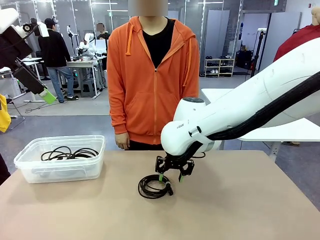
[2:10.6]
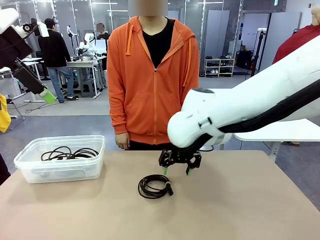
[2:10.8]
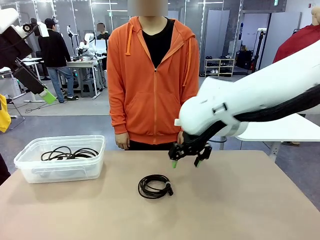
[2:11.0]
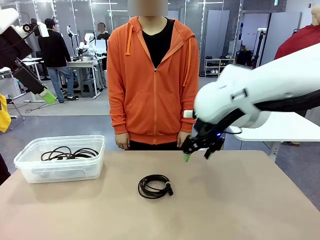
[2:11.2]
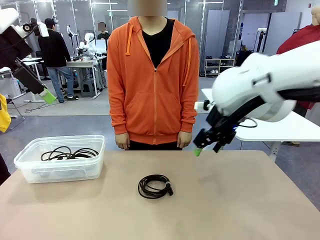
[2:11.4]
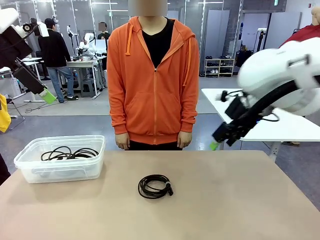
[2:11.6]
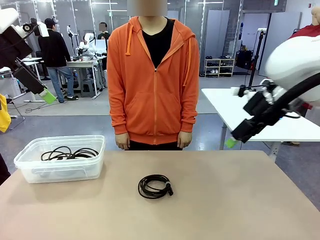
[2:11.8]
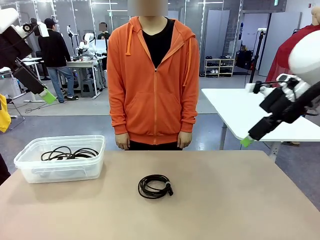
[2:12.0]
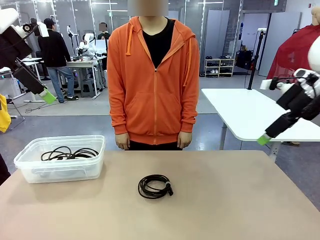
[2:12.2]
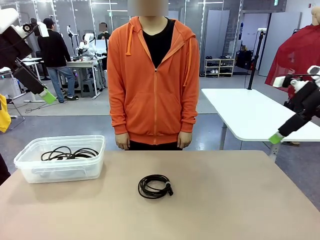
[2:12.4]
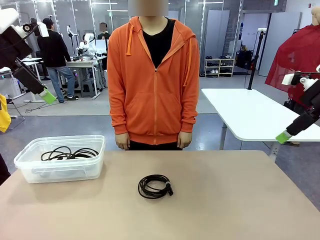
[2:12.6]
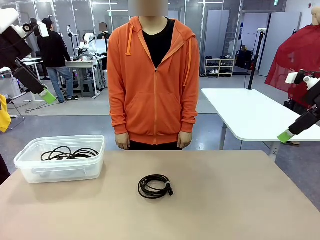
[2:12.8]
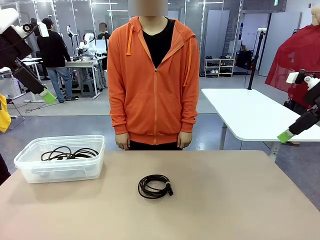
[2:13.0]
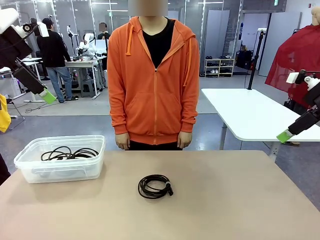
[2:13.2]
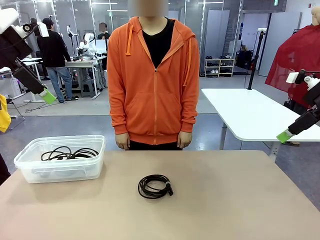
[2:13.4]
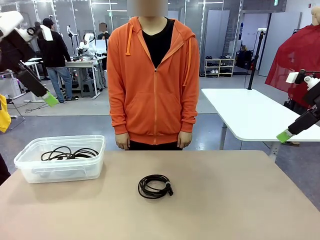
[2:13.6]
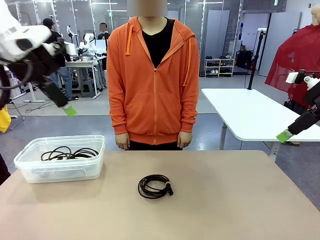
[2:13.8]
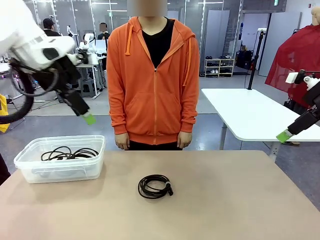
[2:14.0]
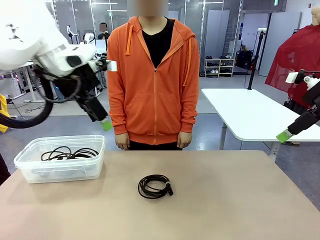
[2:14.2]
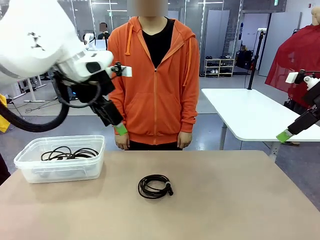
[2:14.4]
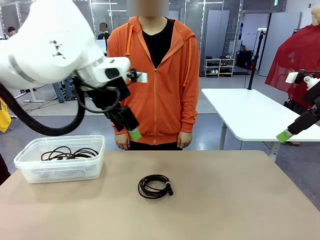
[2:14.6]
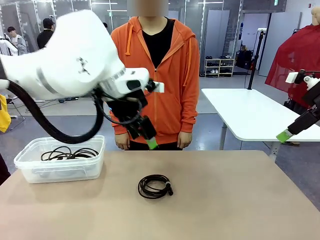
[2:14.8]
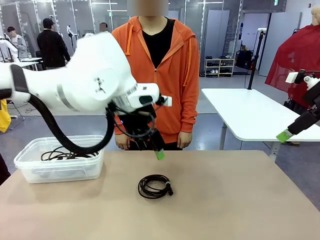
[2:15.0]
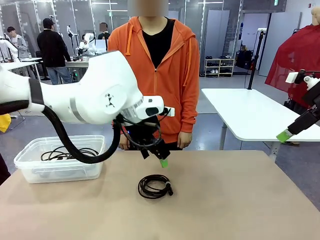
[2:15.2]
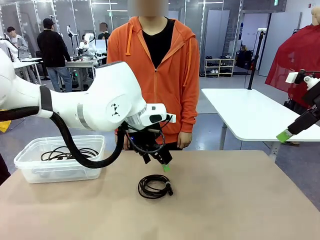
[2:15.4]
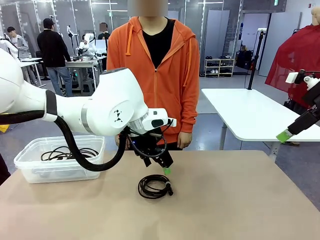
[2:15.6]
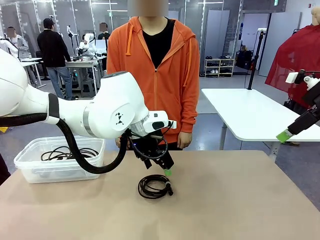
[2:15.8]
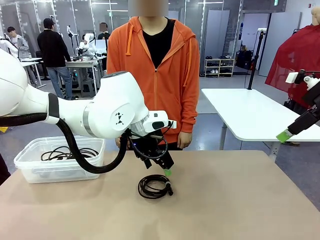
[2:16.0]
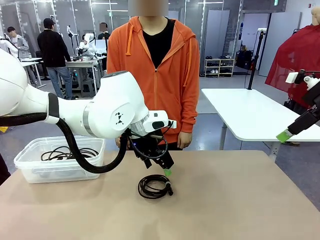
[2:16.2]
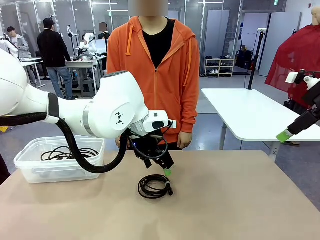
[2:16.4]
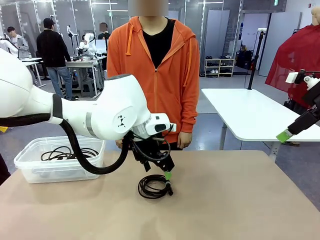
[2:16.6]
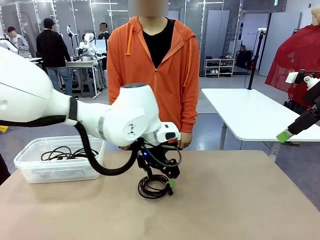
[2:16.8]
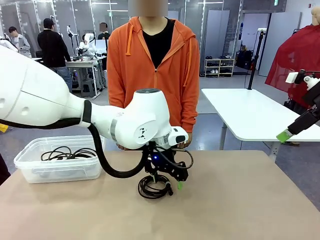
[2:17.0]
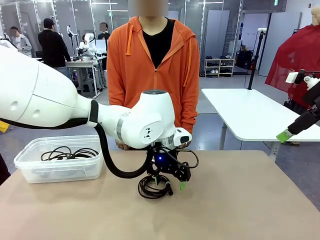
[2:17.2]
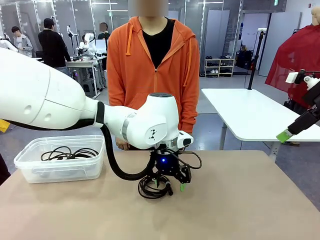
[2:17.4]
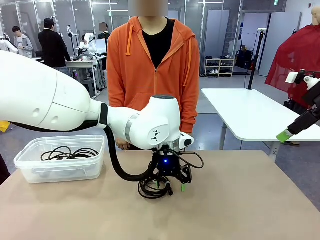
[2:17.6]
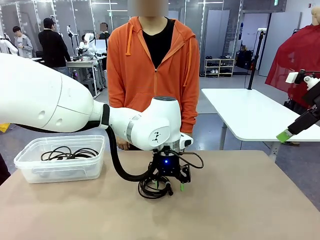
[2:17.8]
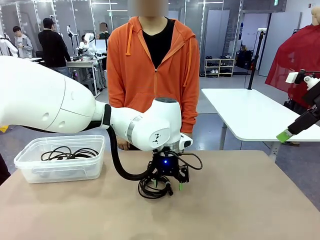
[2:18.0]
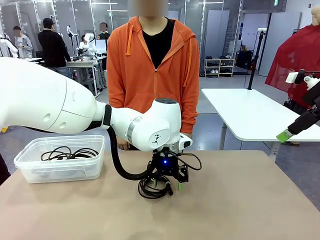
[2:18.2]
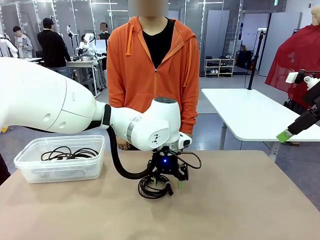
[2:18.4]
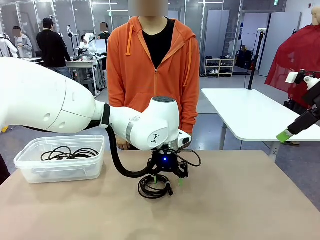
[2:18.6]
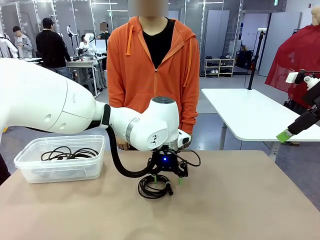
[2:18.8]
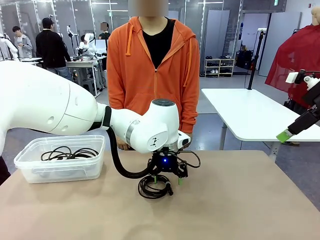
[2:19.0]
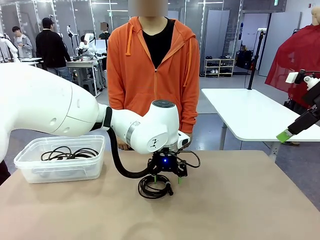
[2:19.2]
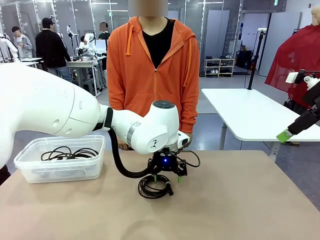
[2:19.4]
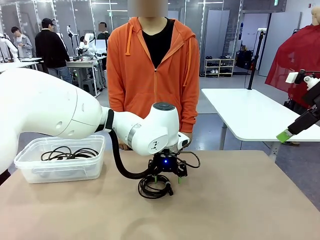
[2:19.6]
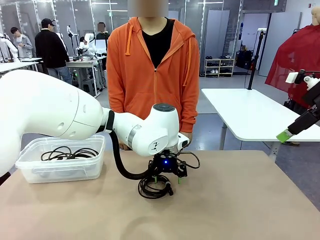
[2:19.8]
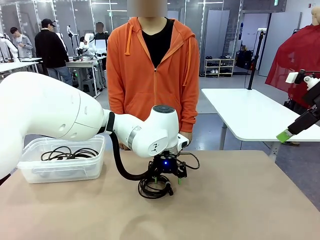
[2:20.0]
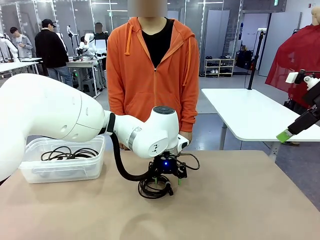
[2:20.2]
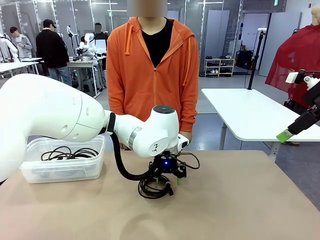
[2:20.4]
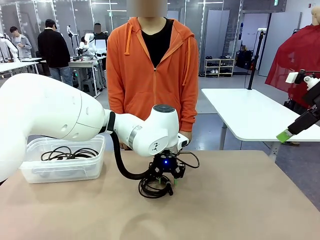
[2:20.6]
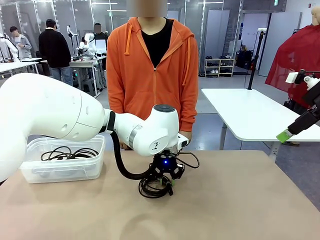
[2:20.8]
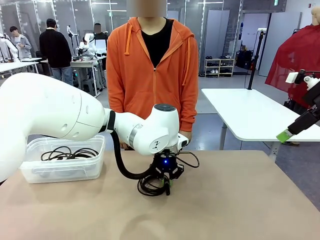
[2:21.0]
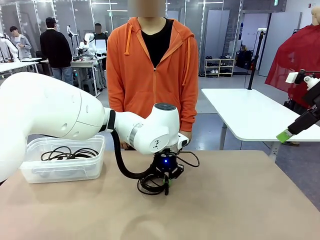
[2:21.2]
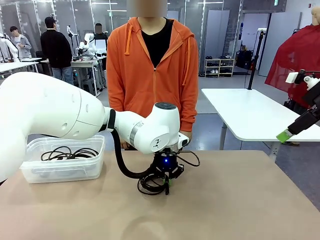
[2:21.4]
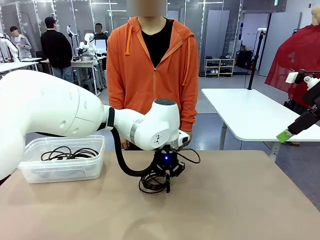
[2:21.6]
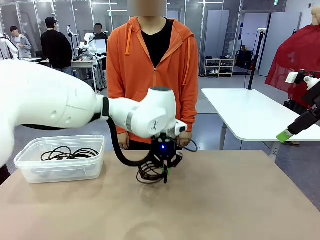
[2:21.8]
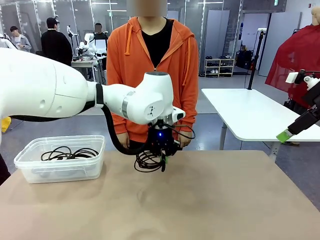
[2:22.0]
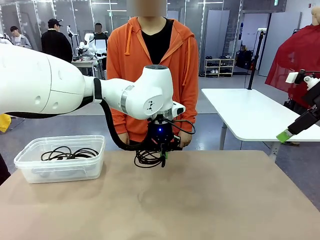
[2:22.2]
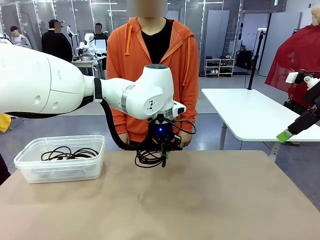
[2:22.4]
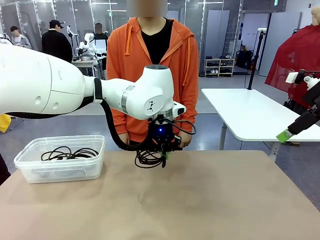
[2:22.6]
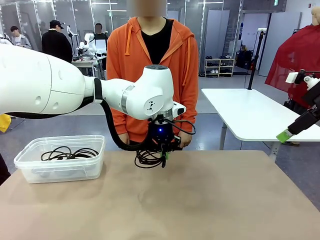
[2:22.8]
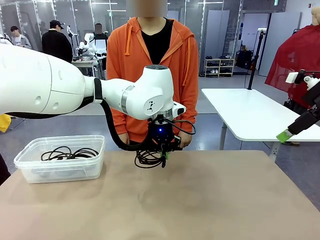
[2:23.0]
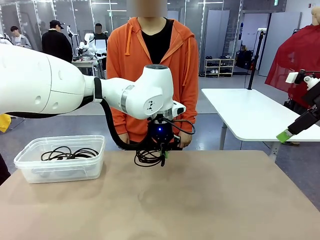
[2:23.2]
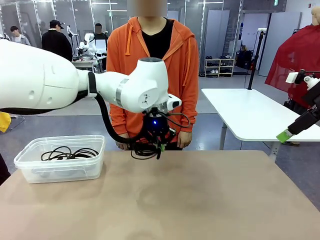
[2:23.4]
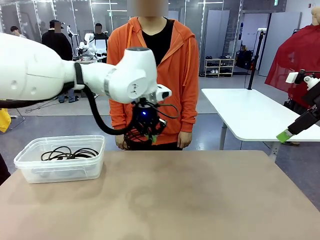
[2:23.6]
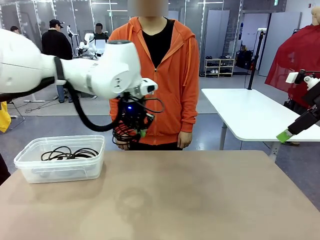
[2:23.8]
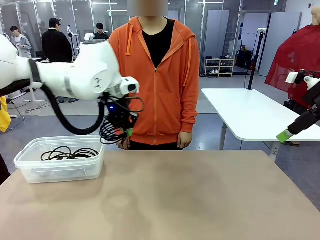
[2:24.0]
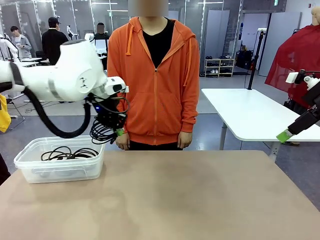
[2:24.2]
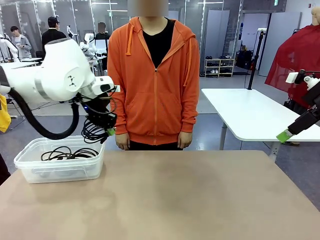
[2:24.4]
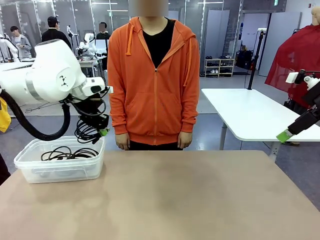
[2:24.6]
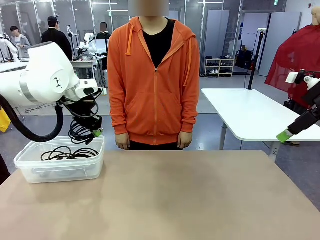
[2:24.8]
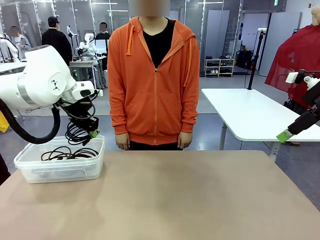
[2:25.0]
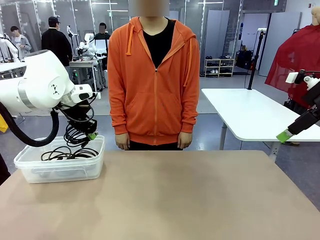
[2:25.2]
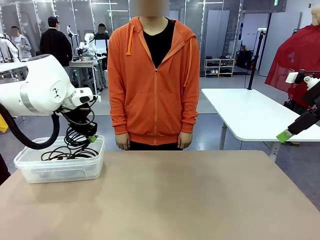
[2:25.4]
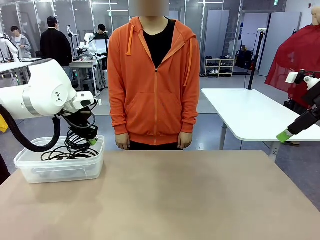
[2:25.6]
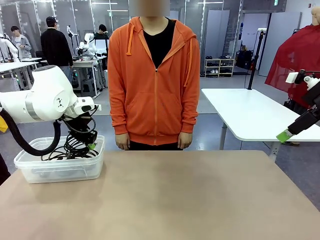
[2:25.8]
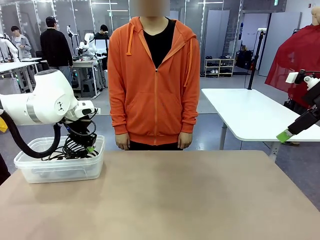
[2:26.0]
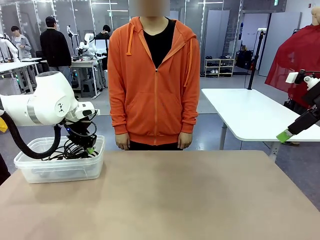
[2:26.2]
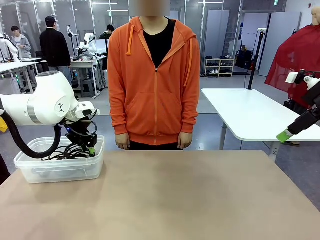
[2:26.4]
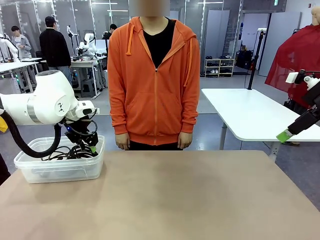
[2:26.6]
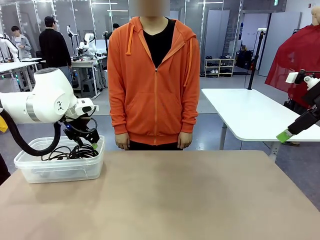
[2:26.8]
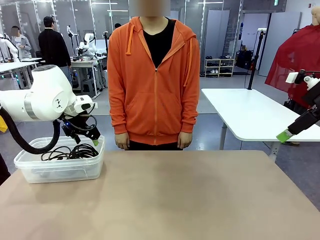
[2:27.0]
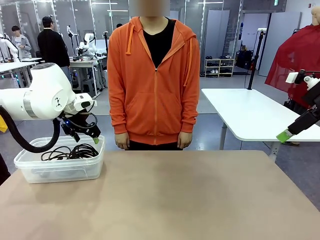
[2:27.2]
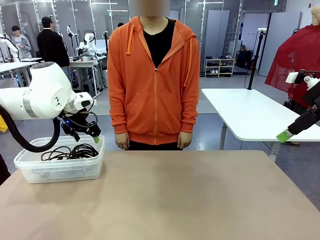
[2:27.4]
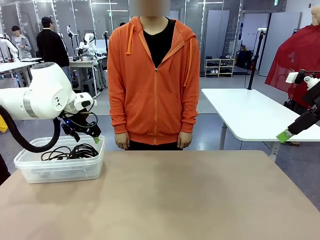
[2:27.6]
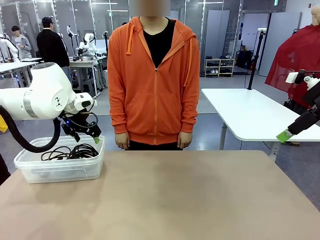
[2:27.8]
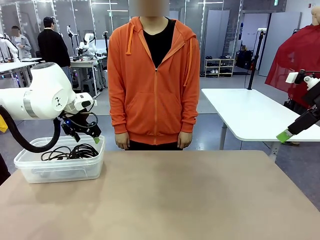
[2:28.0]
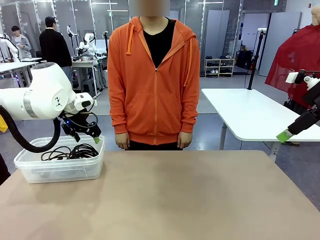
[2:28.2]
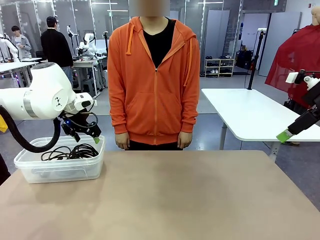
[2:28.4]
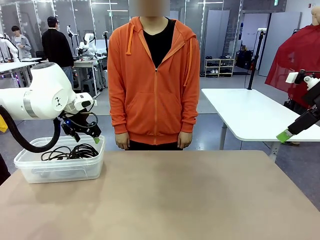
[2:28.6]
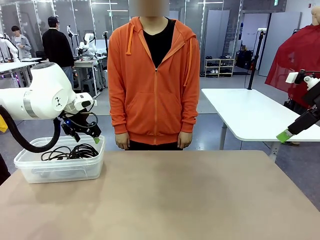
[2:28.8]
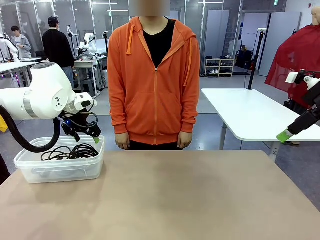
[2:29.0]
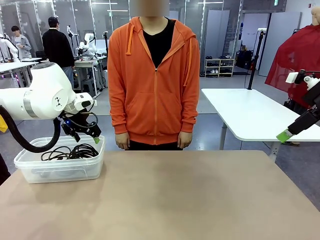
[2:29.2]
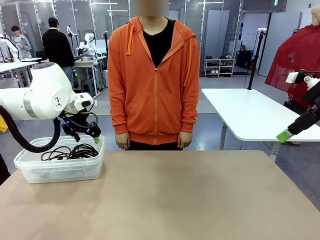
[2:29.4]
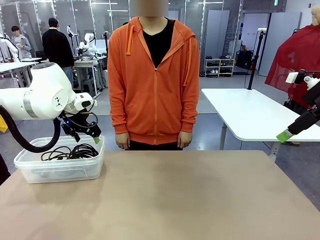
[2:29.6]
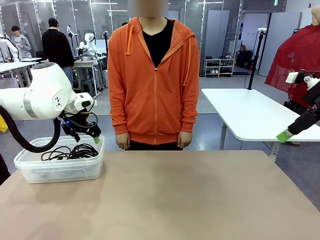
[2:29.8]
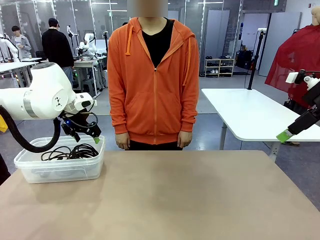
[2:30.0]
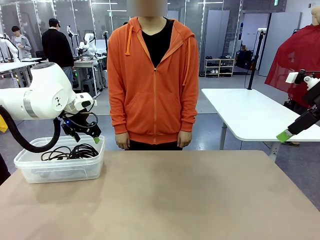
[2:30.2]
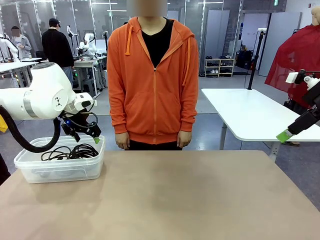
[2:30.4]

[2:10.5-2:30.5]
Task: Organize and store the cables.
Robot: Place the USB Extension Cable into the Organizing box.
